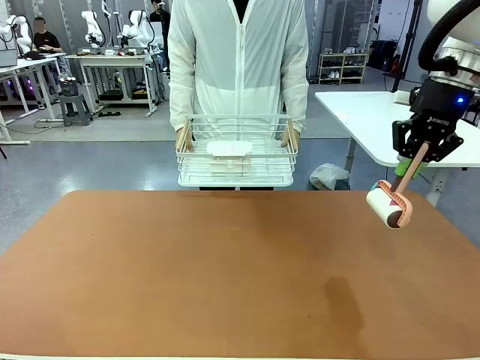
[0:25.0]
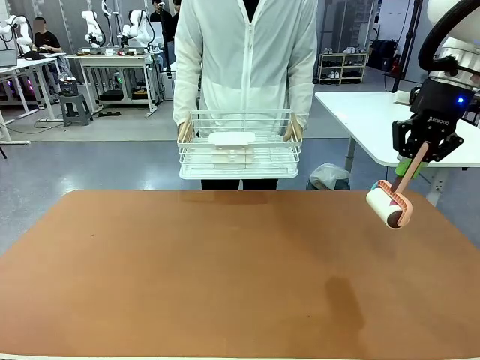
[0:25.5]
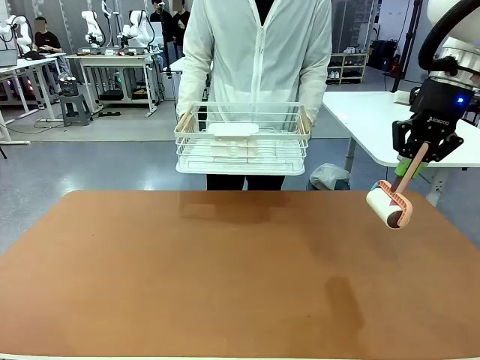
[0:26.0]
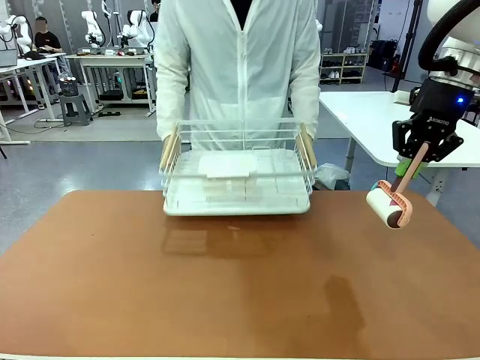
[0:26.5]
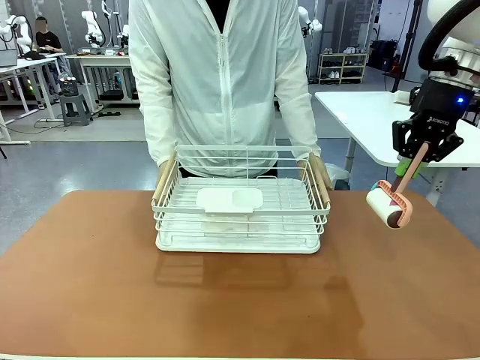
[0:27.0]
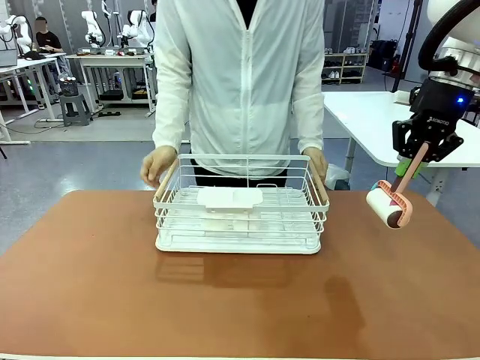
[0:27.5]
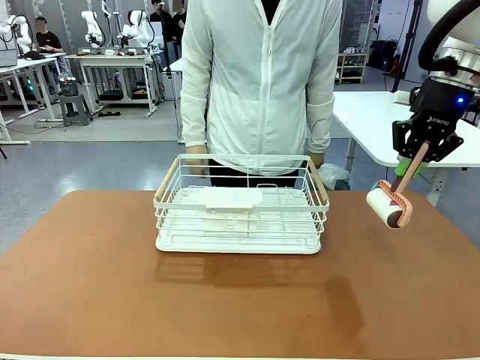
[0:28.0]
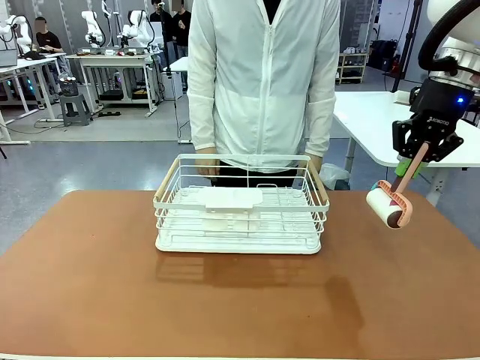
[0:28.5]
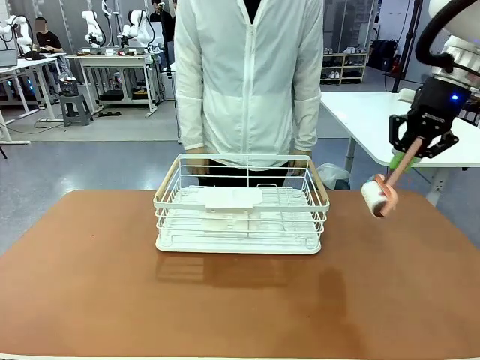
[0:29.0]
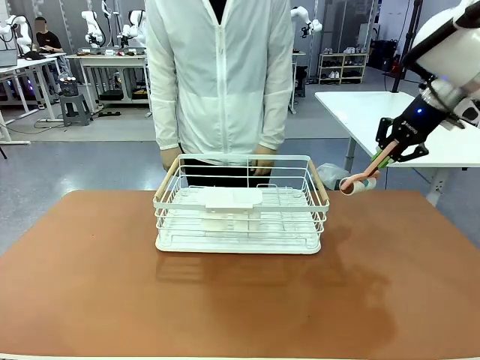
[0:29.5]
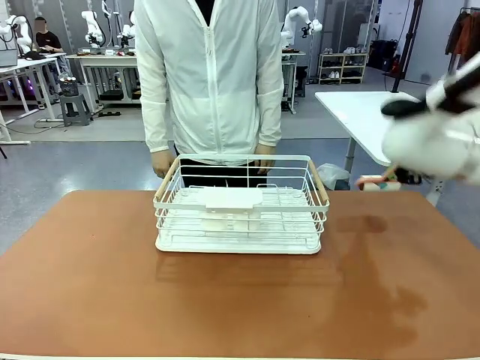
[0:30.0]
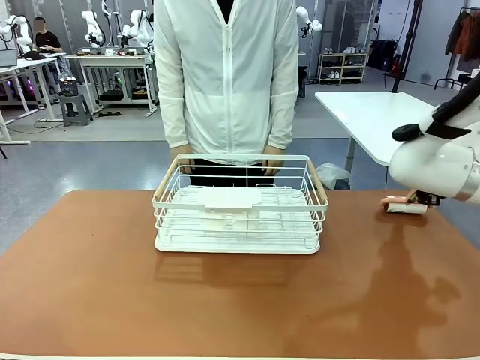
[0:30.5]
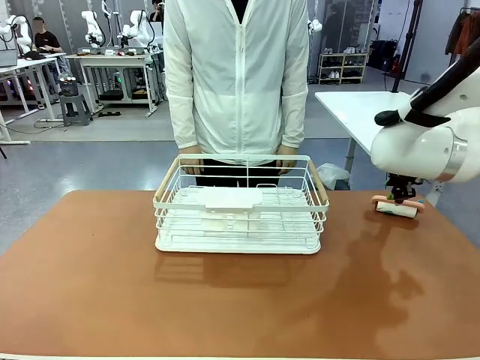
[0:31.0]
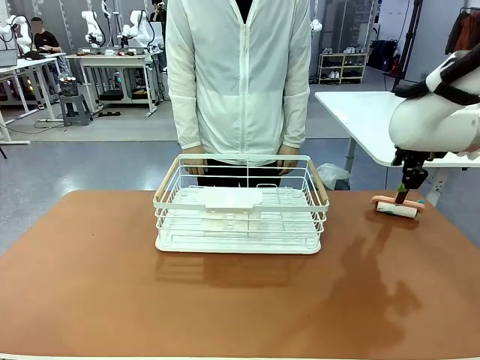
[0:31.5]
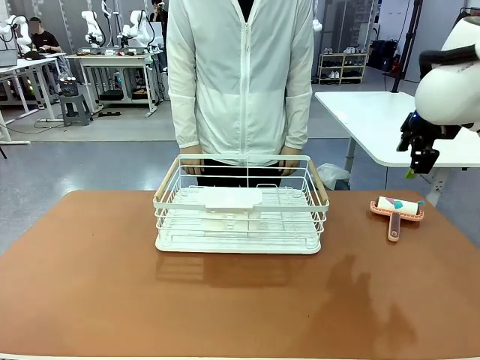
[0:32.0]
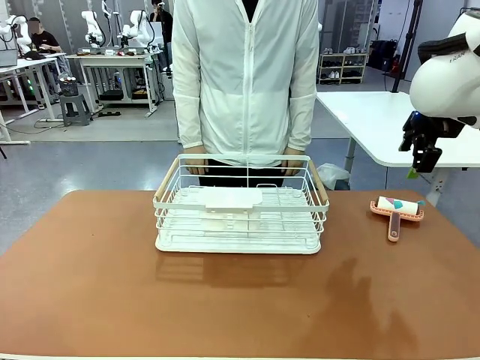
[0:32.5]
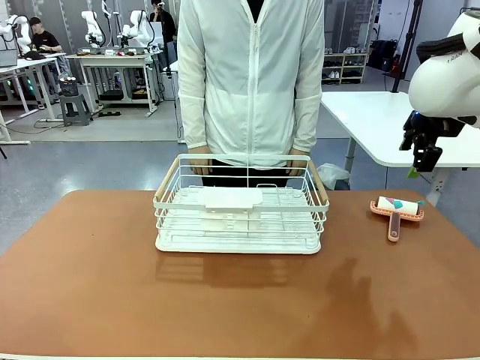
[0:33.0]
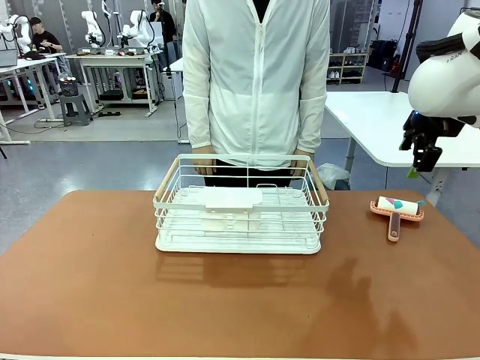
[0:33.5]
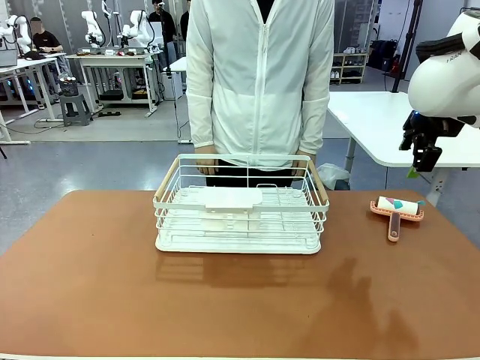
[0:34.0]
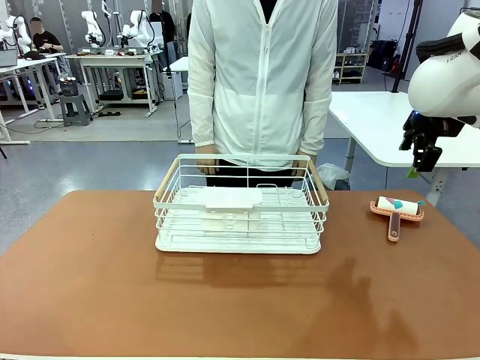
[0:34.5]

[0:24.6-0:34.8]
Task: Clean the table.
Robot: Place the Lint Roller down when the Dish drying rack is positioned in the middle of the table.
Person: Place the Dish drying rack down when the robot finishes cleaning.

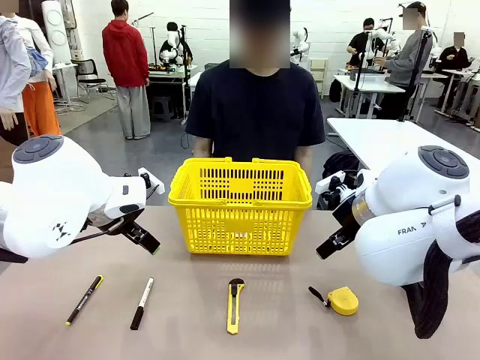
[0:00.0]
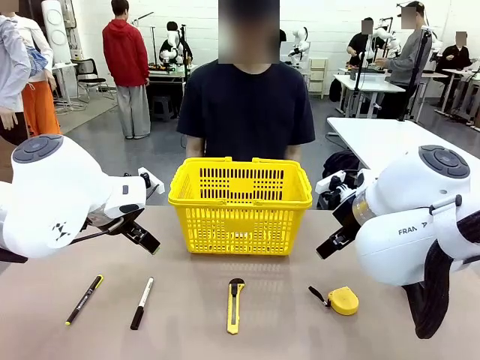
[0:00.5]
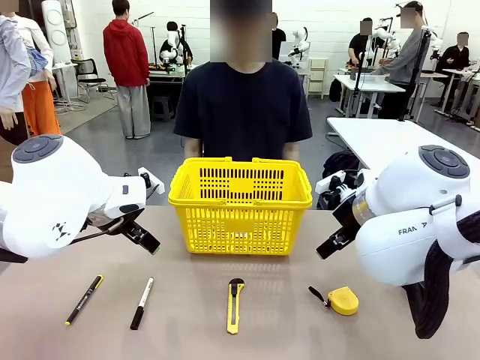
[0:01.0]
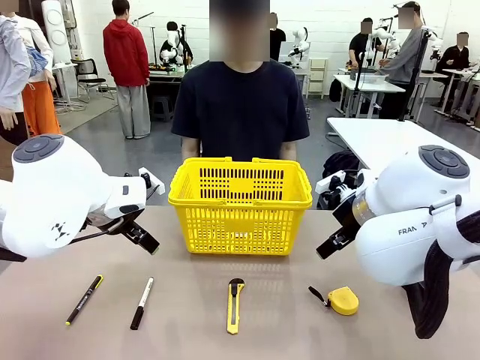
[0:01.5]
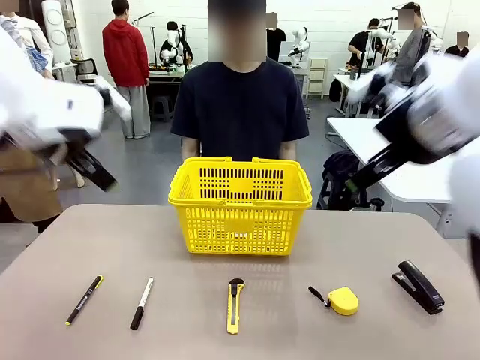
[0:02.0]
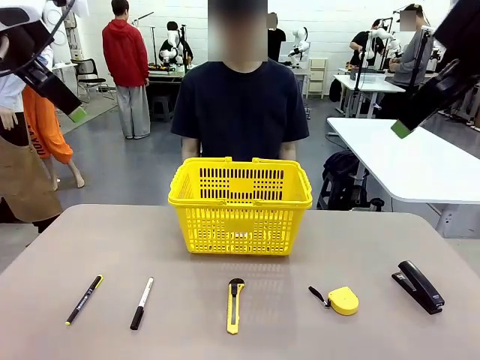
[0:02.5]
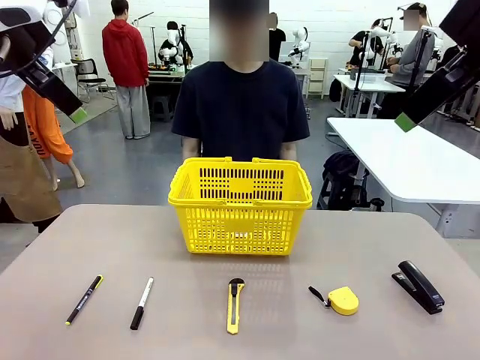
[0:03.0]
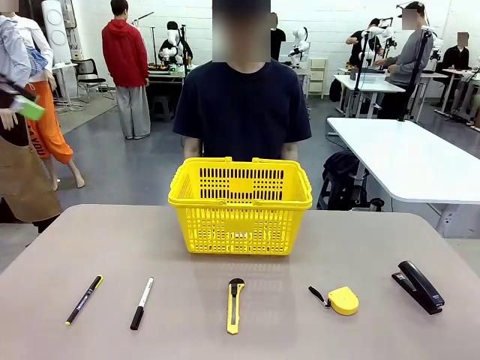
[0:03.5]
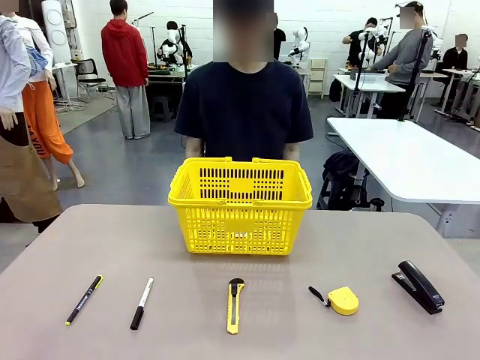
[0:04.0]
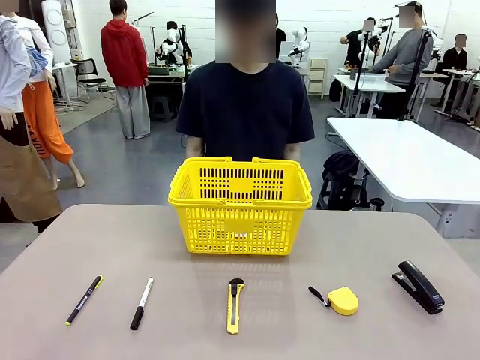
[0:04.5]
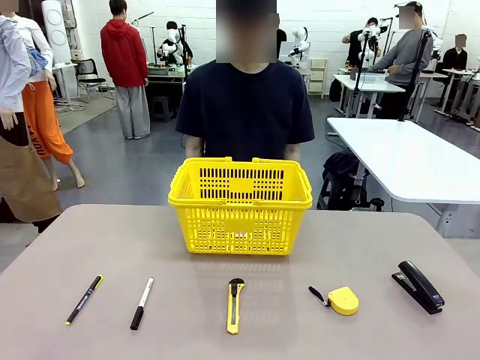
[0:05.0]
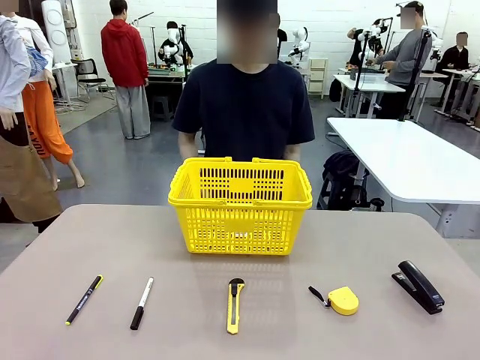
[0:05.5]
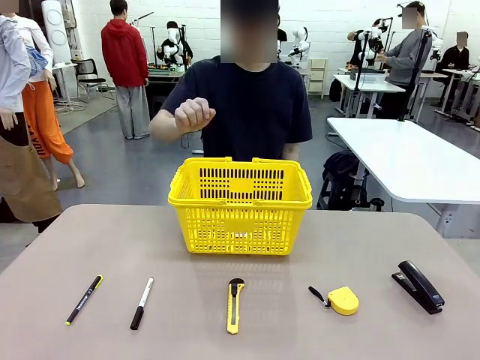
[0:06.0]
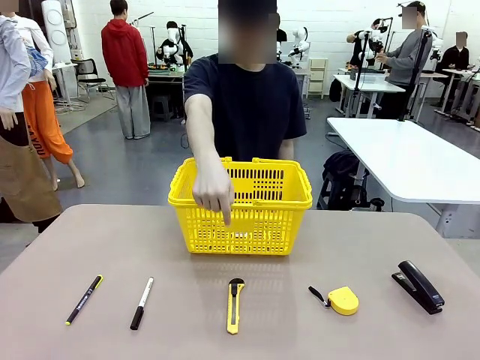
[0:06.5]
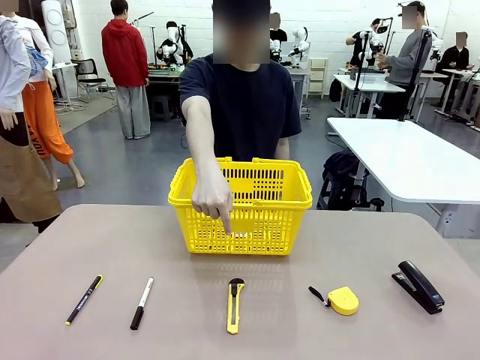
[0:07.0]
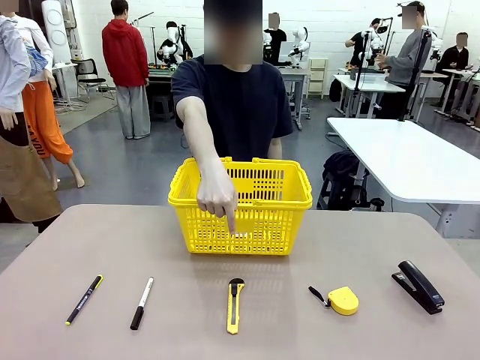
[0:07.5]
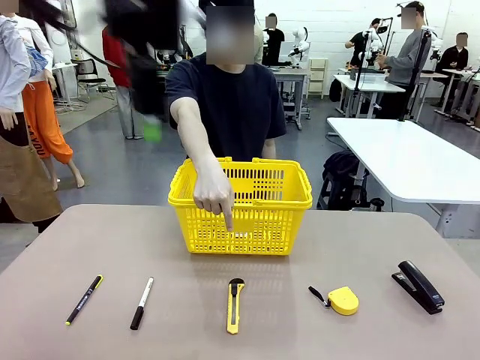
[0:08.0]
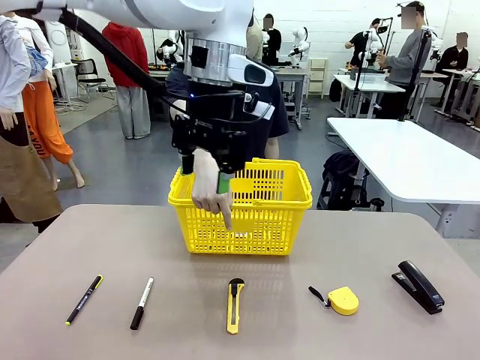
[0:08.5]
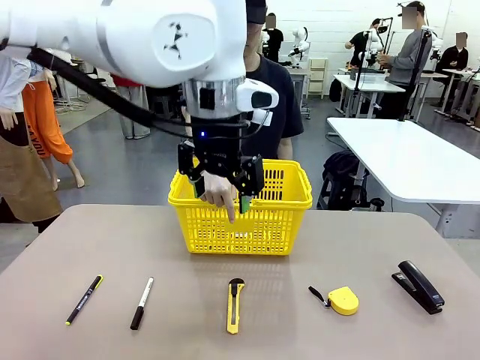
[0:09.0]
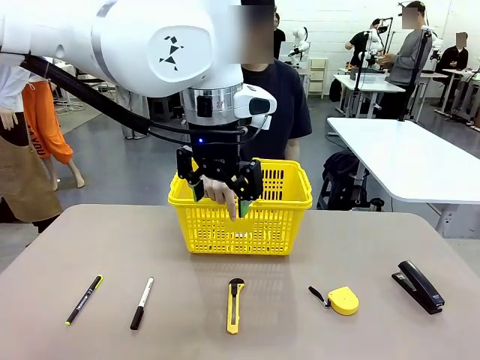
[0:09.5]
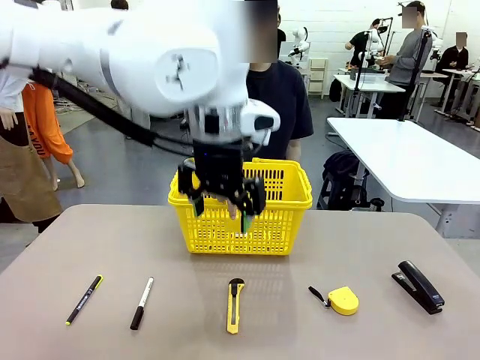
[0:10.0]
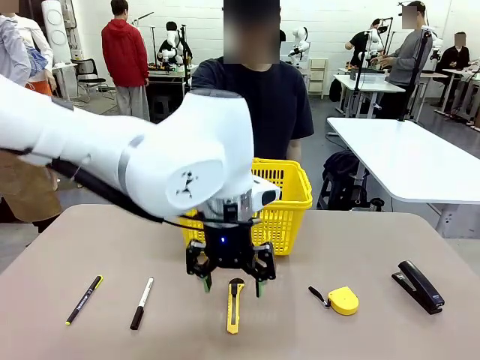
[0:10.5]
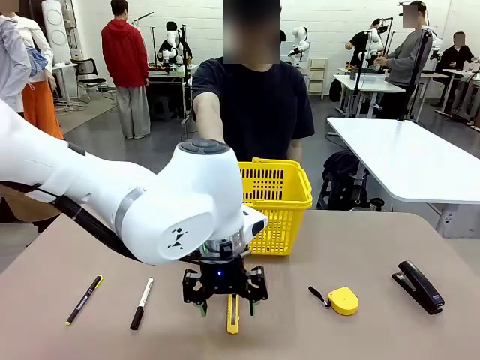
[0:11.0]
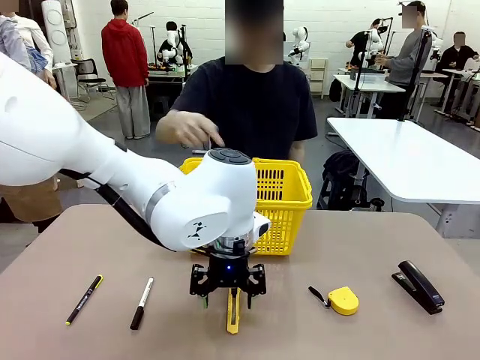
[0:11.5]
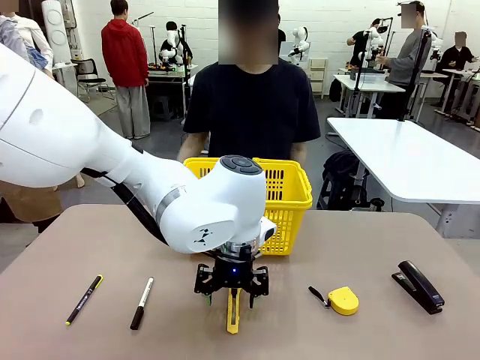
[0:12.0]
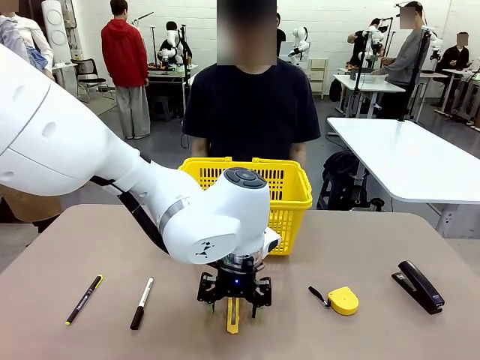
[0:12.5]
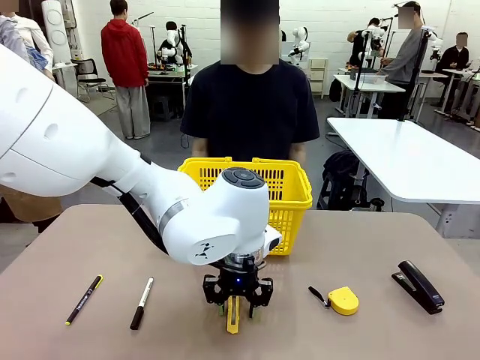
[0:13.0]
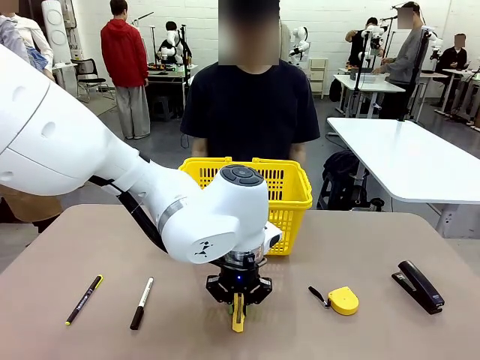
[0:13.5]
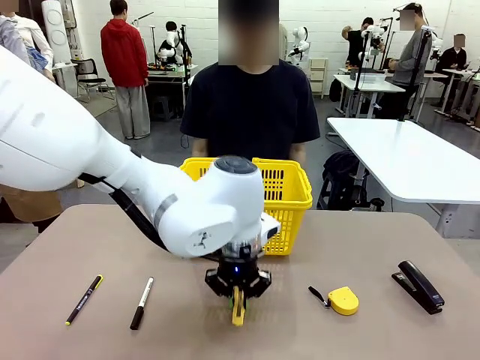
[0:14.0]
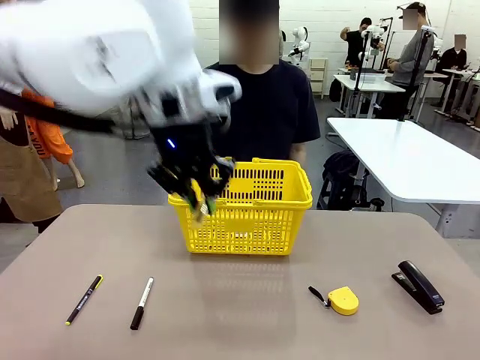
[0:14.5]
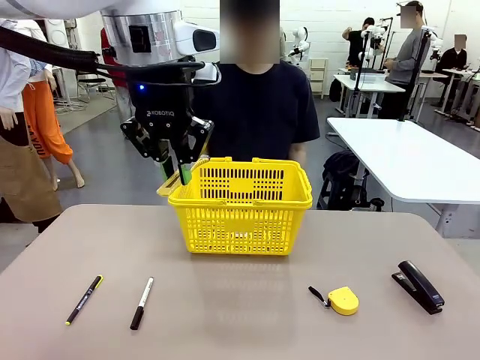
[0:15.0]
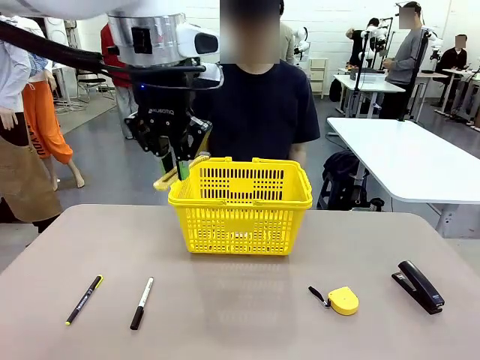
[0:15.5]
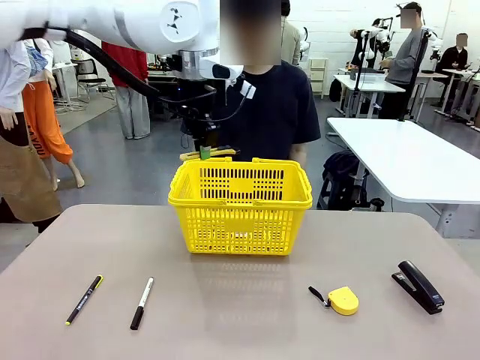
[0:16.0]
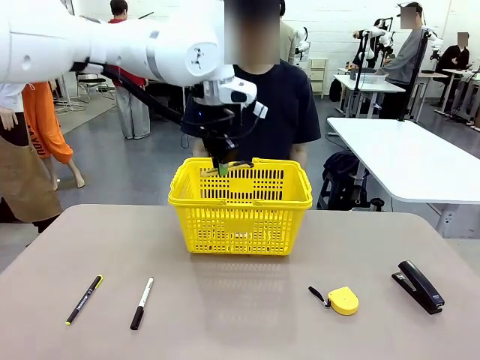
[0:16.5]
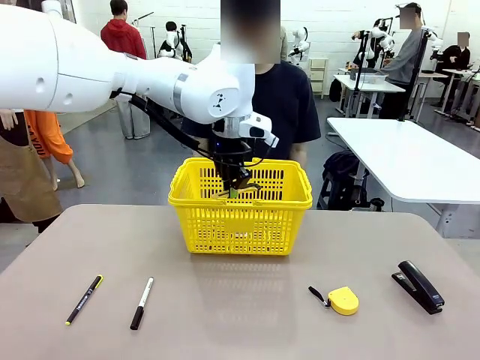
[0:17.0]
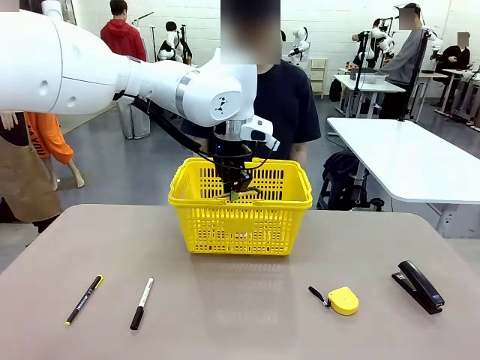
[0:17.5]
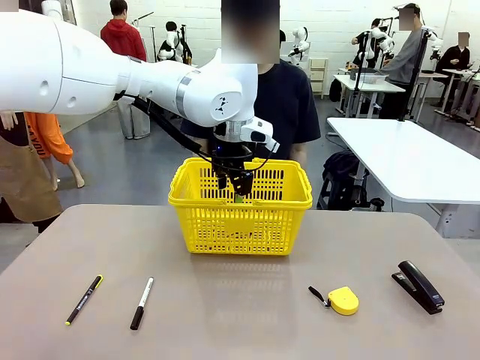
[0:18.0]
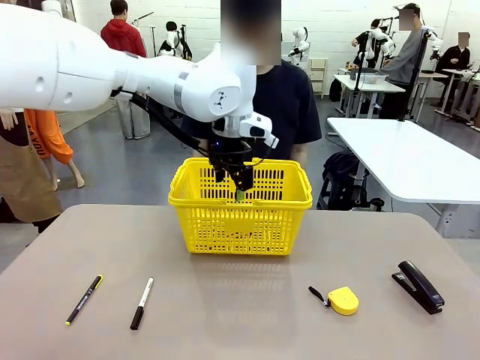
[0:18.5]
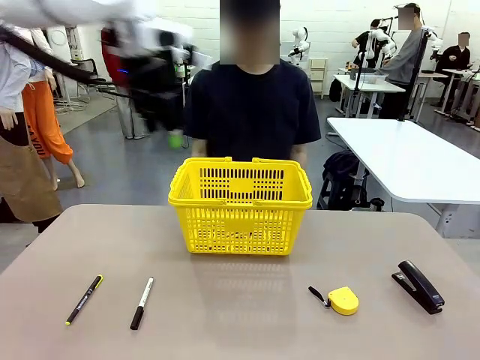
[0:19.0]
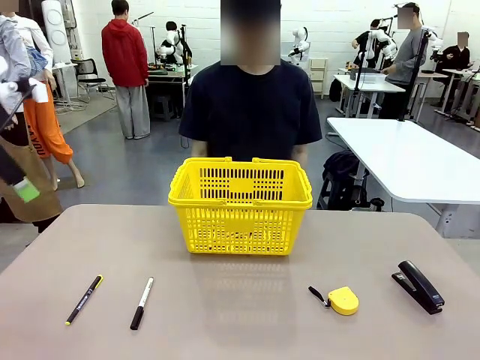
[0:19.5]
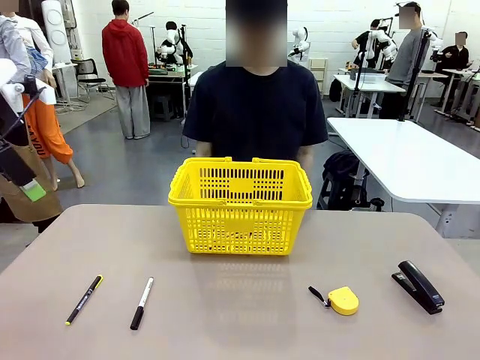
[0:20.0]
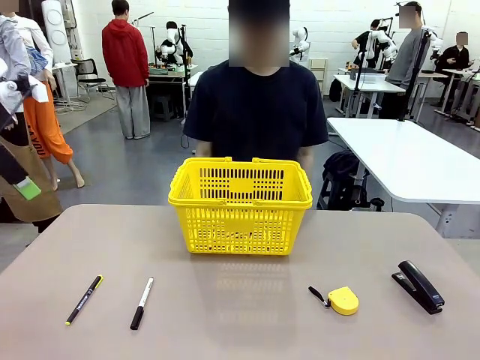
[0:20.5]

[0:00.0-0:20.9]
Task: Place the items the person wants into the basket.
Robot: Pick up the item the person points to and place it in the Market Basket.
